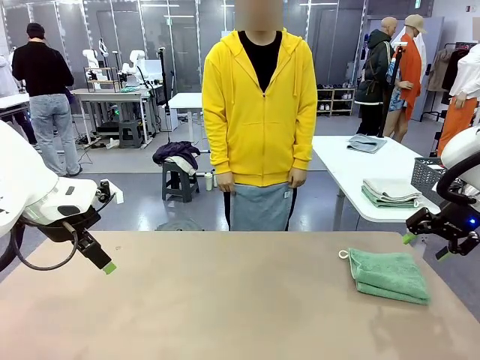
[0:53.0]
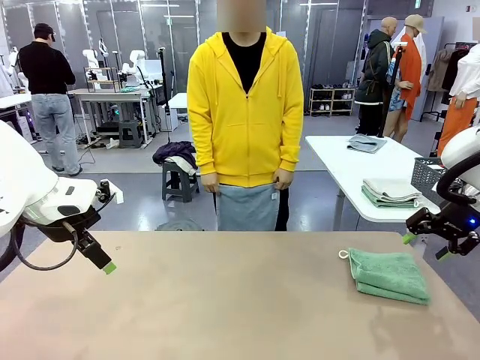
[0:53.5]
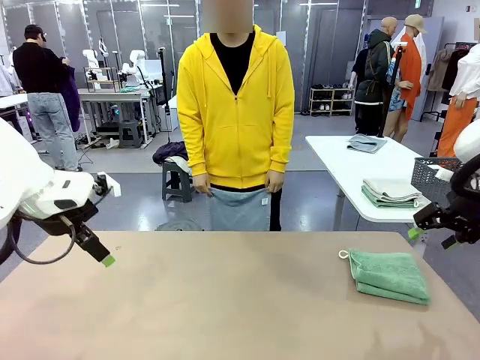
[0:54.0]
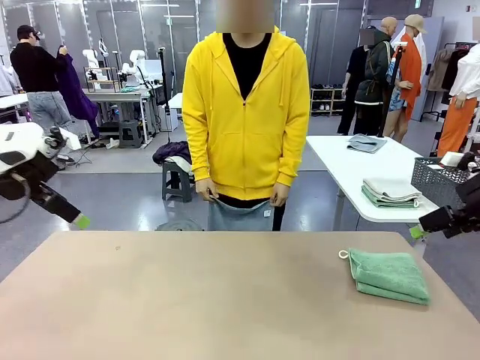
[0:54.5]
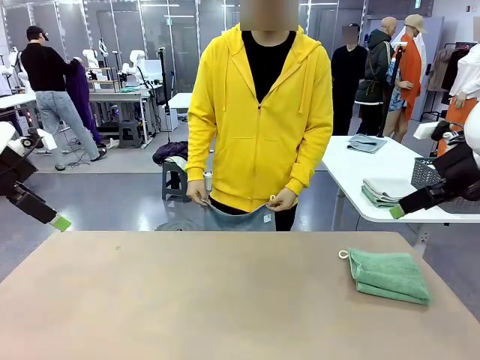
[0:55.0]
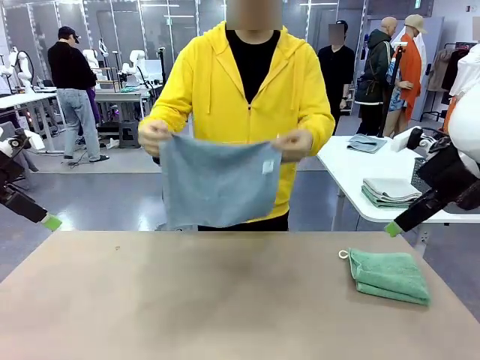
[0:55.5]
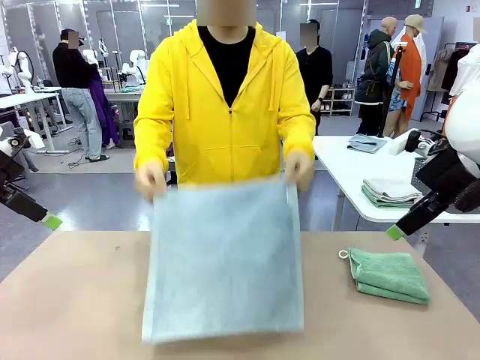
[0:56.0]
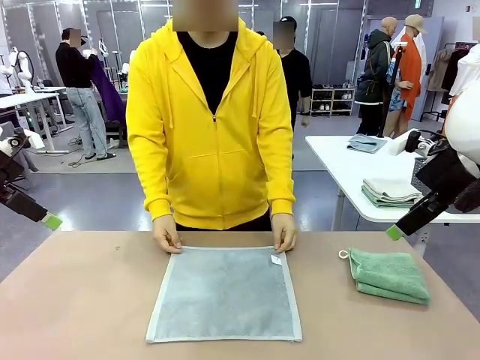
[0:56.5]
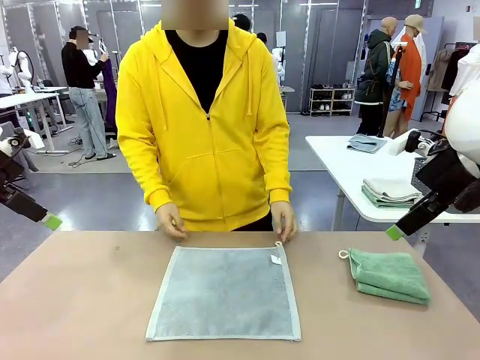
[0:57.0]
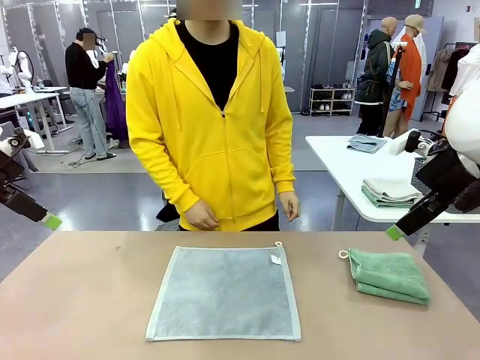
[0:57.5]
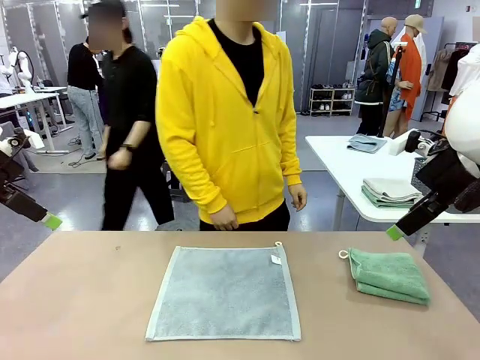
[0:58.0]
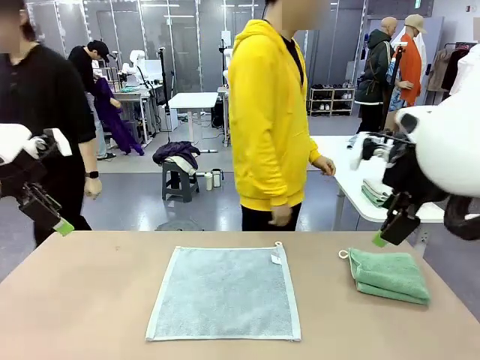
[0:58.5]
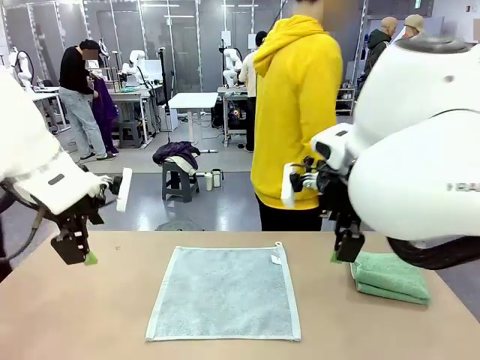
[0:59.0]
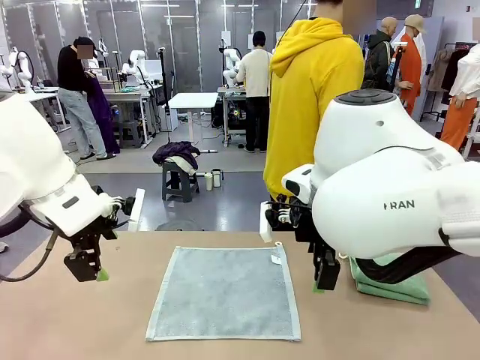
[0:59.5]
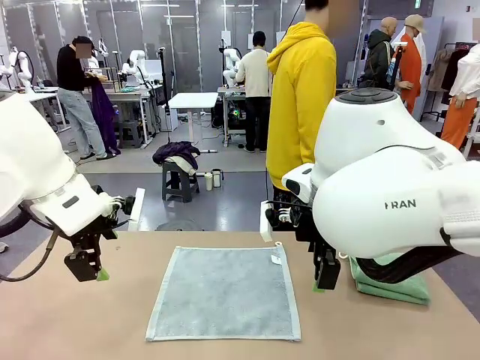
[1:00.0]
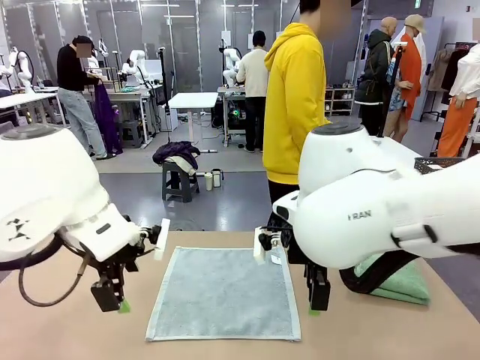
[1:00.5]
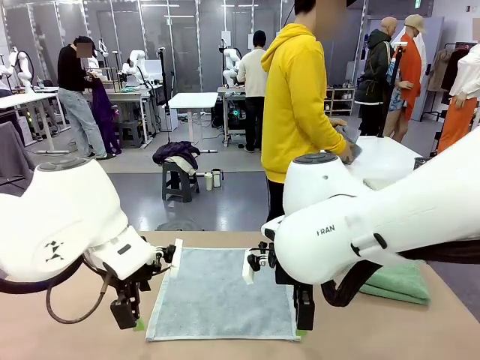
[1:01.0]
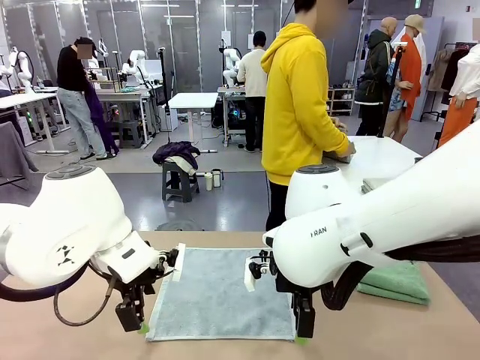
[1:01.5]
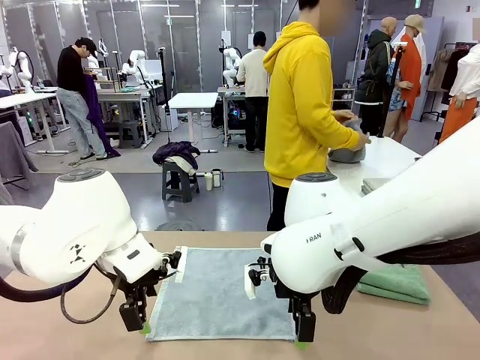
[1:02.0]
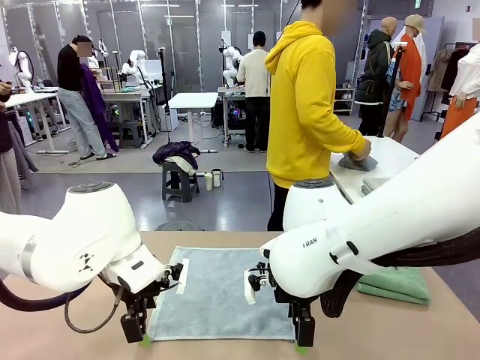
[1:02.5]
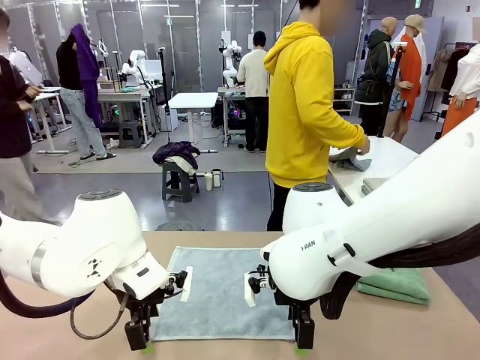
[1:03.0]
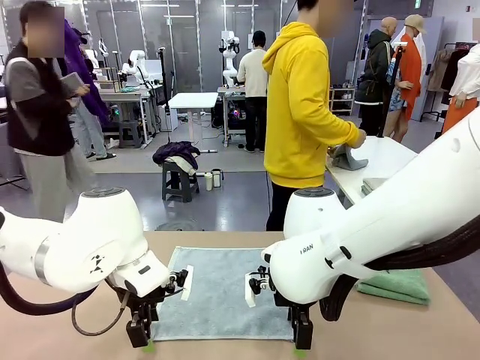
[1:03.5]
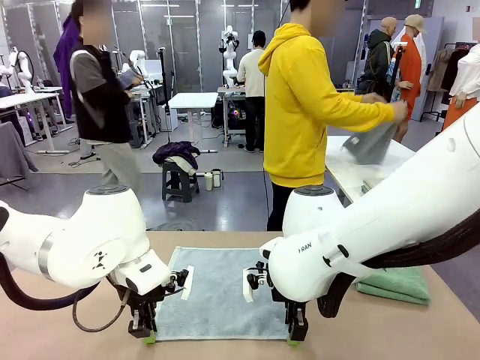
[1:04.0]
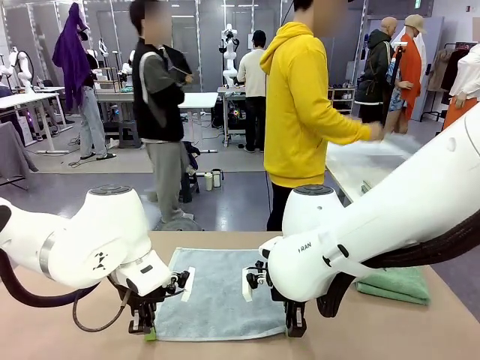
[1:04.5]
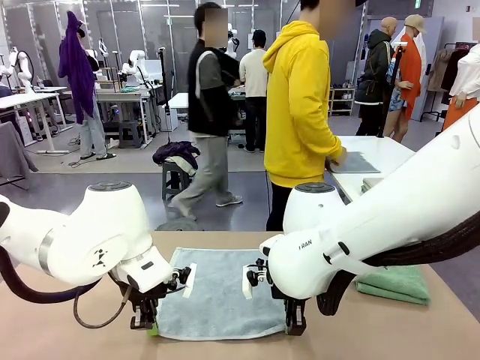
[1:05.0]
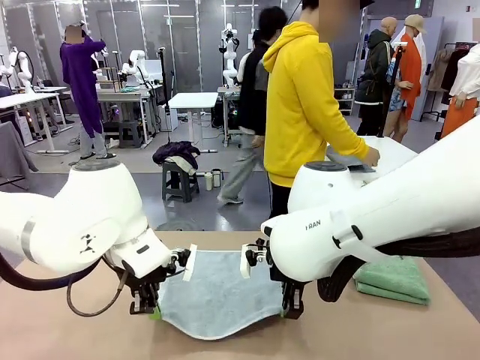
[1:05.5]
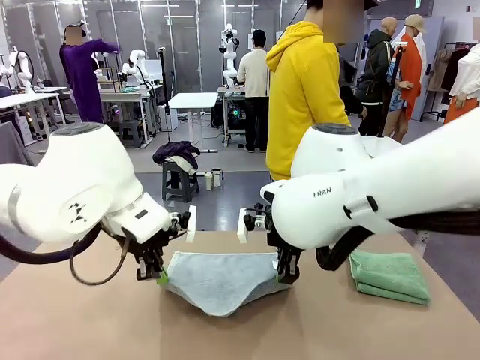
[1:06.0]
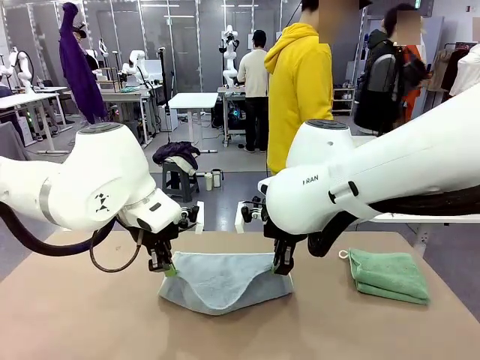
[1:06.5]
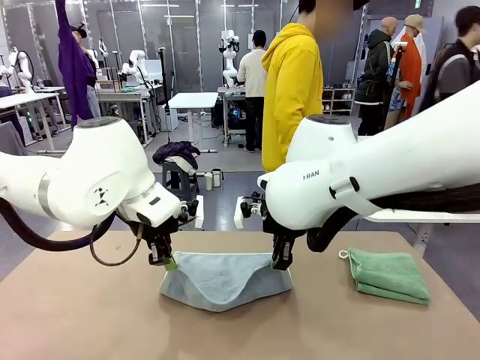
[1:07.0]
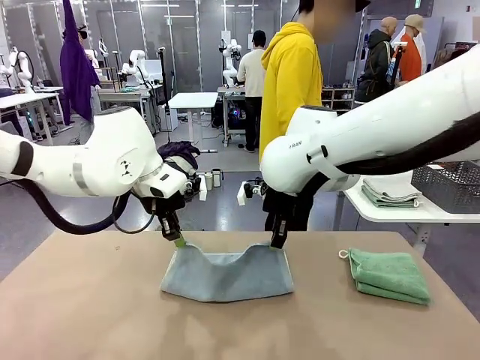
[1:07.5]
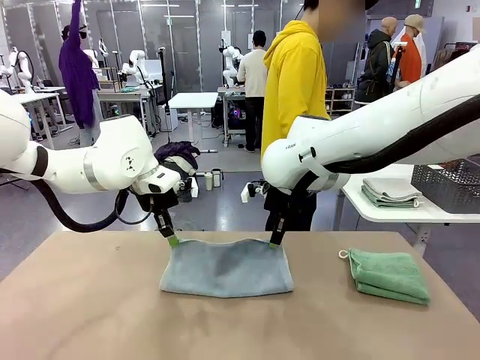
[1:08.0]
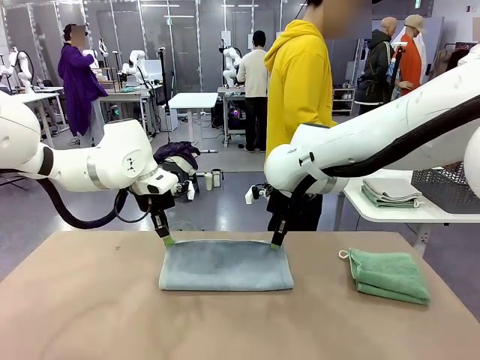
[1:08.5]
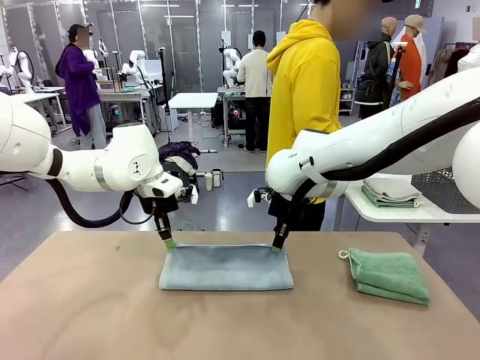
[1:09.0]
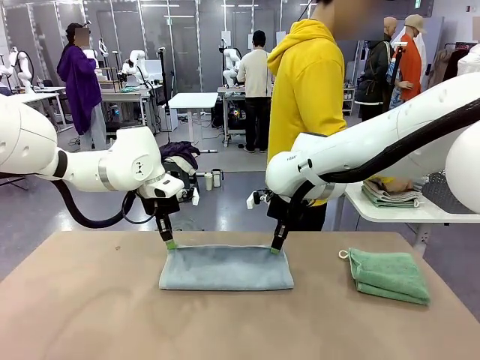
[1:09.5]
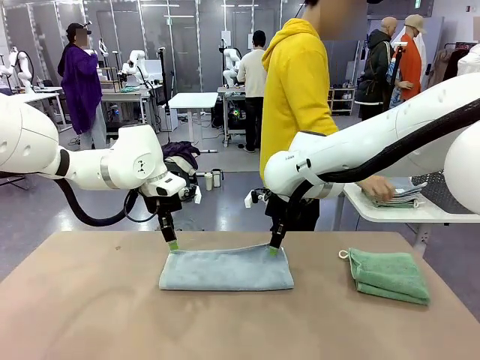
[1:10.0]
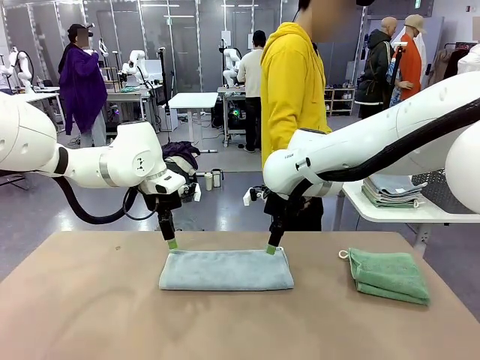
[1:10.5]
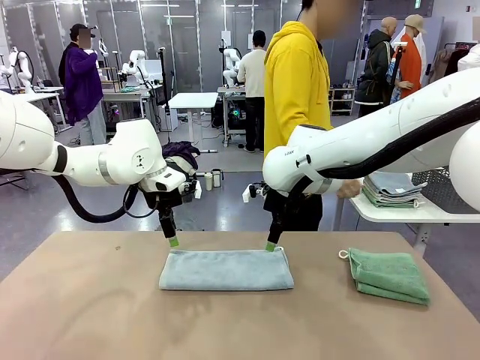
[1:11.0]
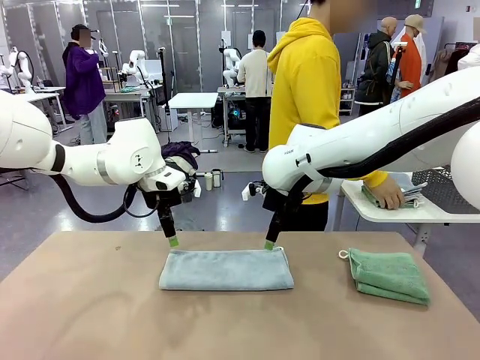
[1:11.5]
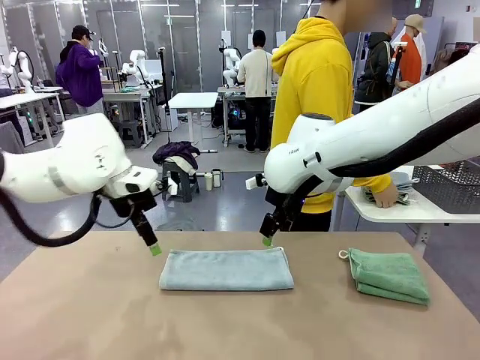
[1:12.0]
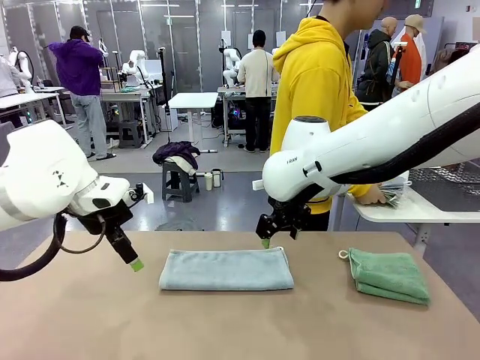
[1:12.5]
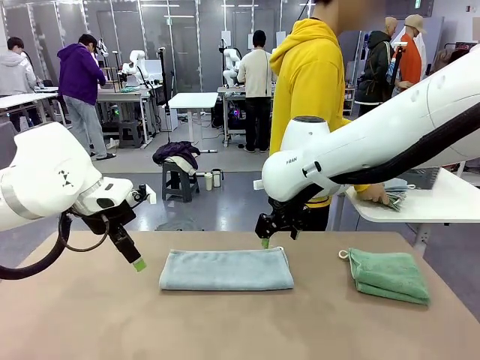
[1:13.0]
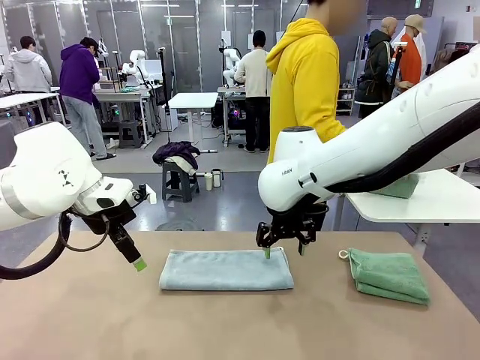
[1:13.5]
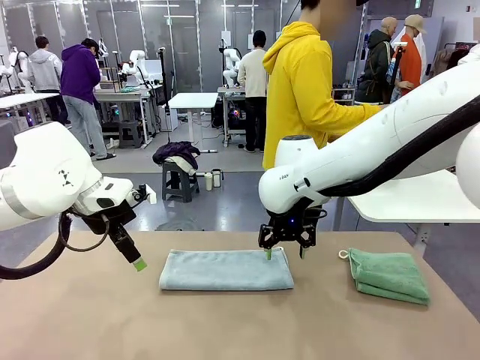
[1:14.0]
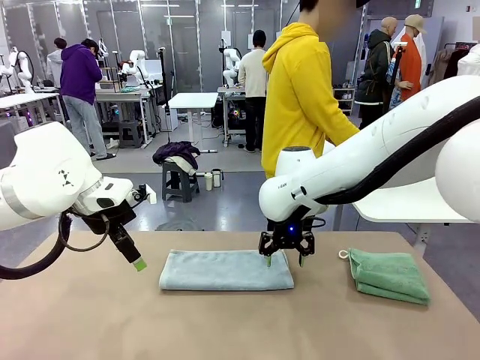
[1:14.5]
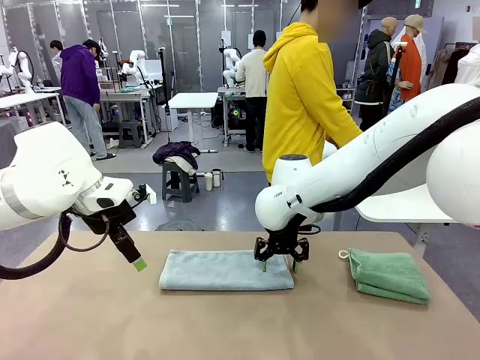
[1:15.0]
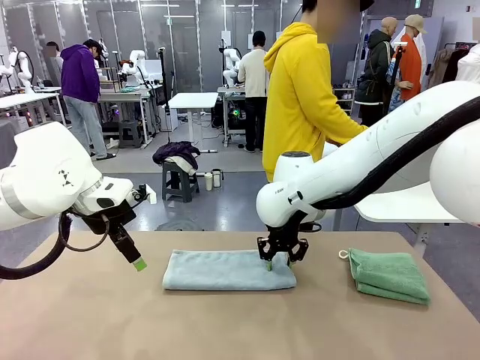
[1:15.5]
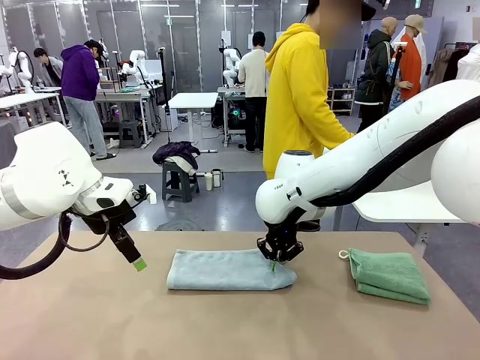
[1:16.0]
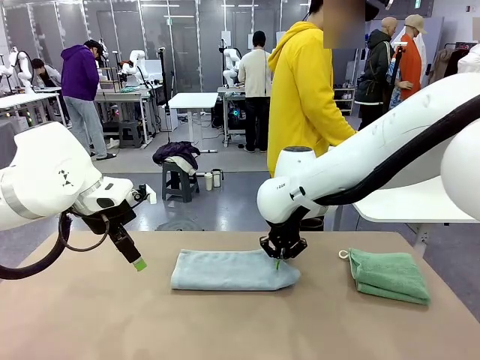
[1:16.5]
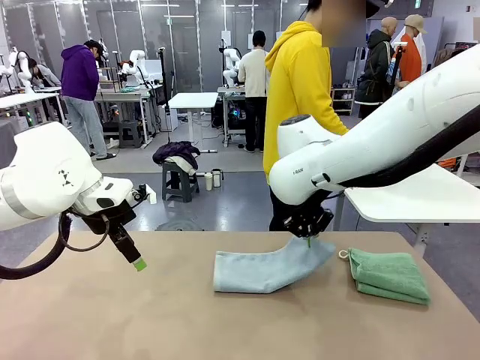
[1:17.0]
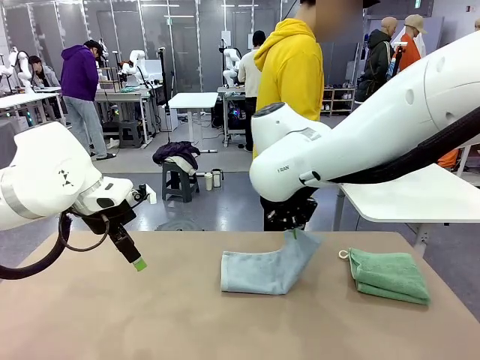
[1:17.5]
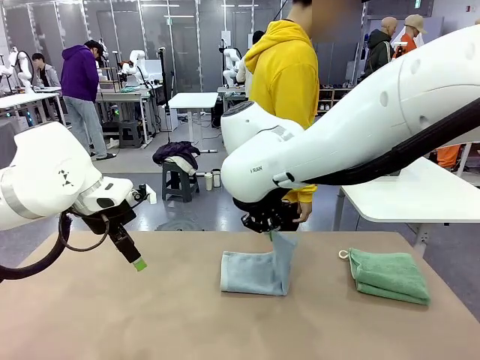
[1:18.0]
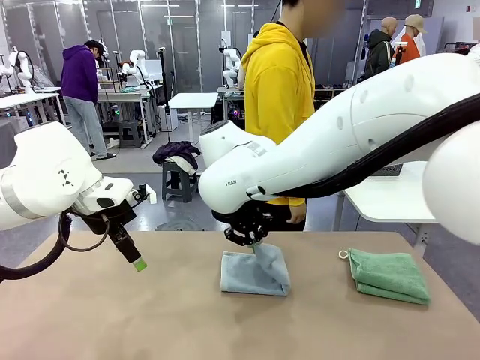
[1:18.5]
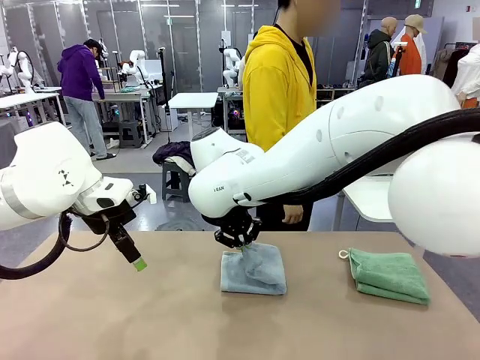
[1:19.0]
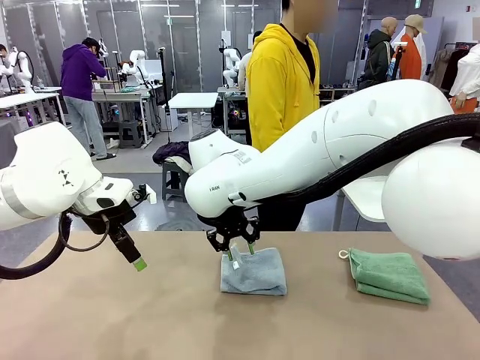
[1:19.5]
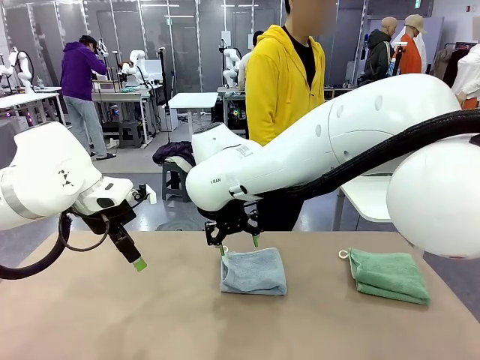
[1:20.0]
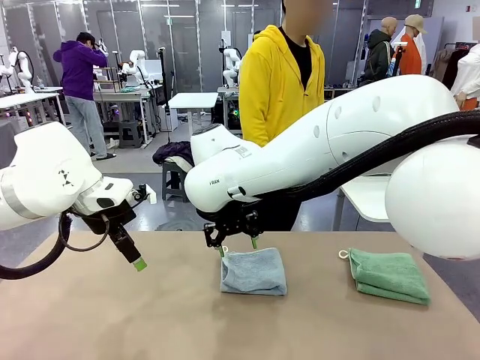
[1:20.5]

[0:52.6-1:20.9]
Task: Fold the towels and place them in the basket.
Robot: When a person lays out a Towel with hook on the table, fold it in half twice.
Person: Pick up one towel from the left side of the human table, fold it in half twice, and stack it on the right side of the table. Pick up the stack of towels from the right side of the human table, place it into the basket, and put the basket at the center of the table.
